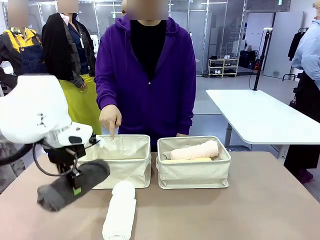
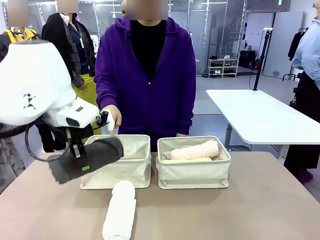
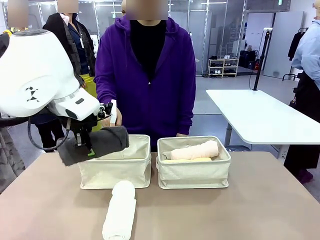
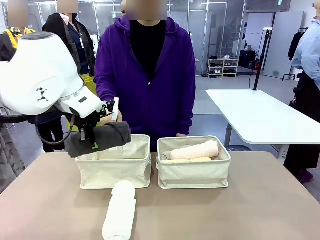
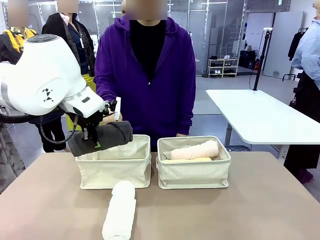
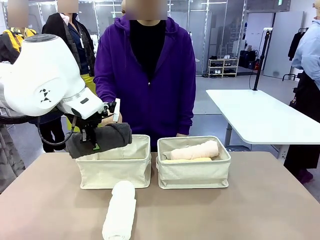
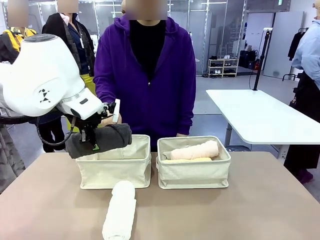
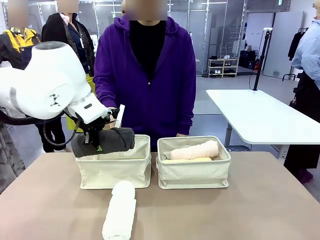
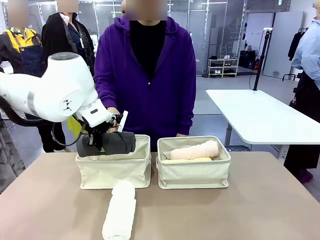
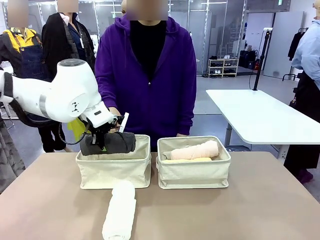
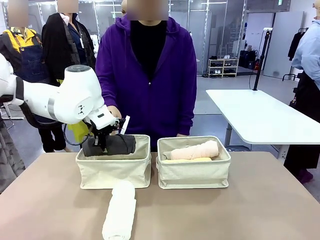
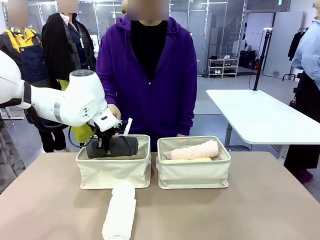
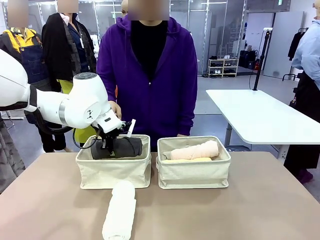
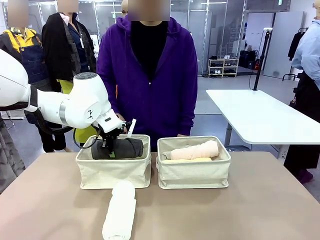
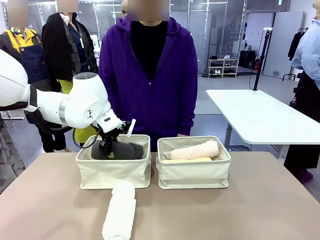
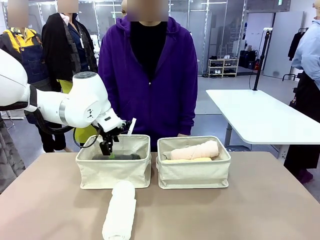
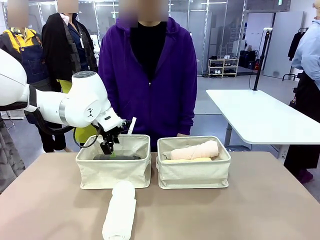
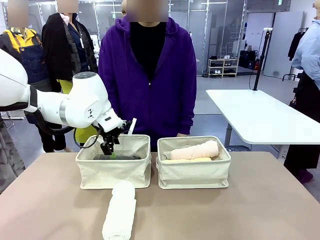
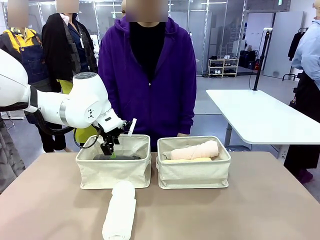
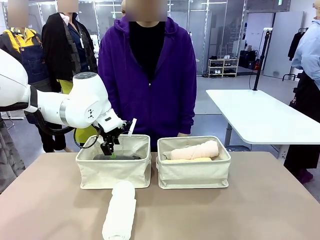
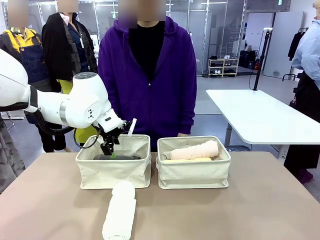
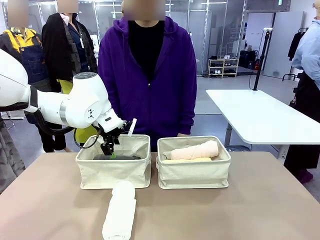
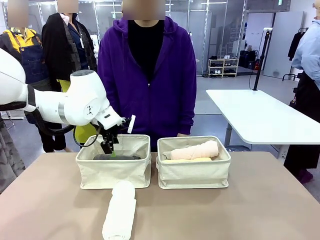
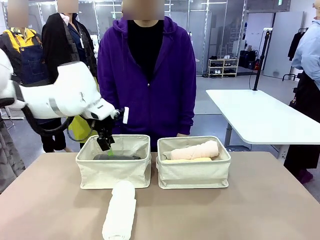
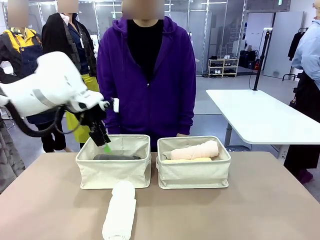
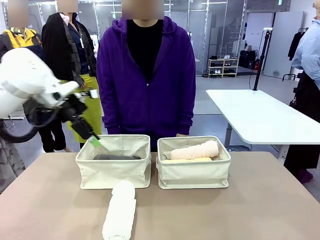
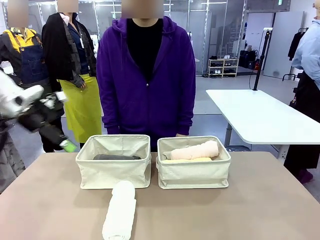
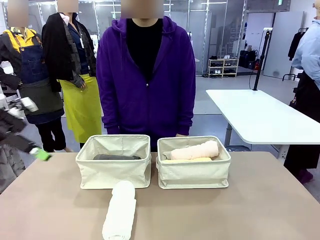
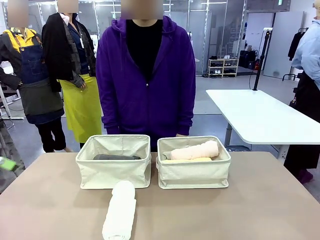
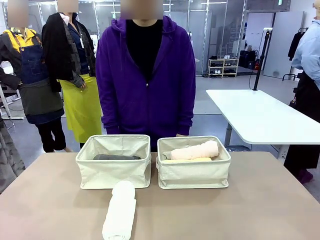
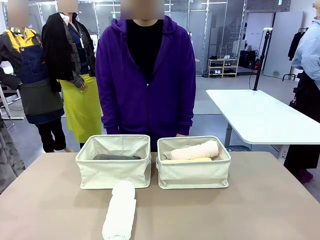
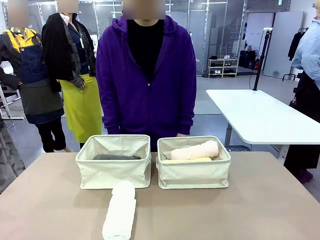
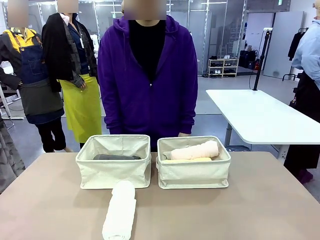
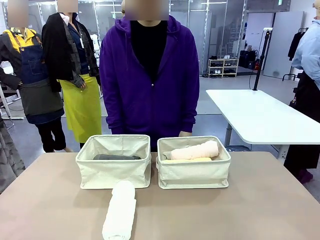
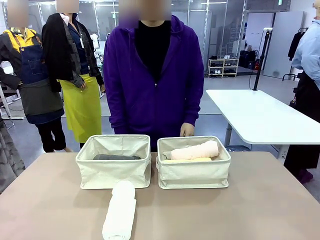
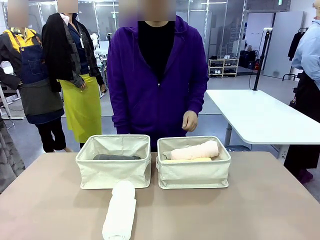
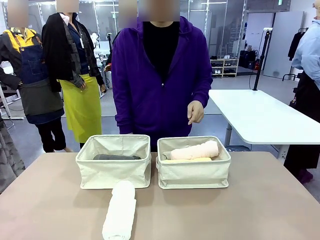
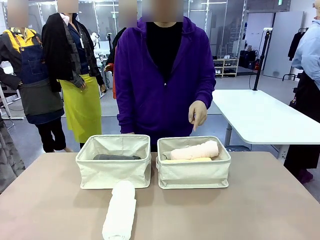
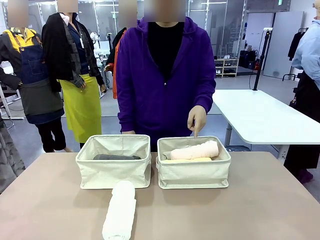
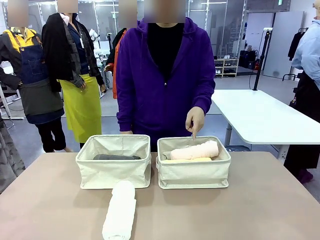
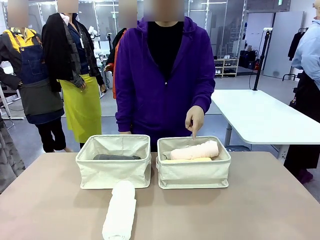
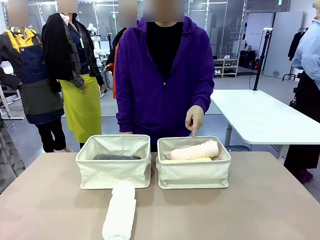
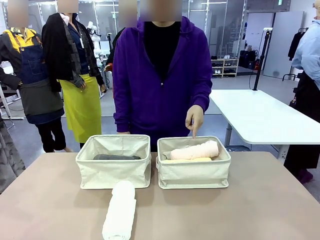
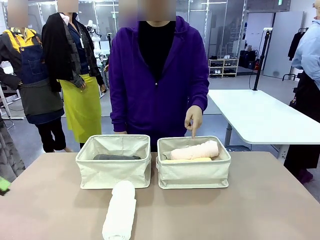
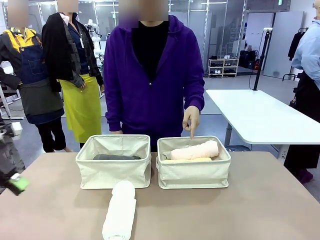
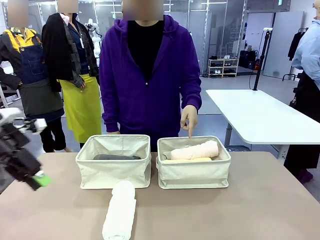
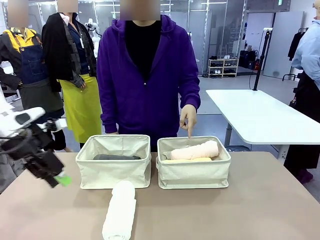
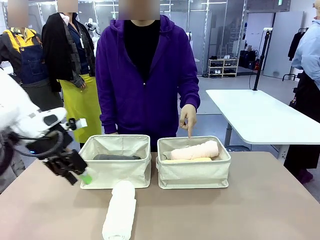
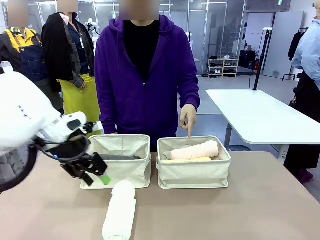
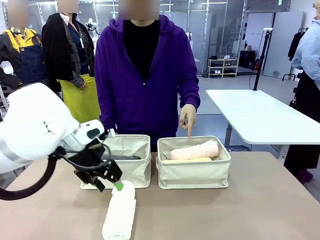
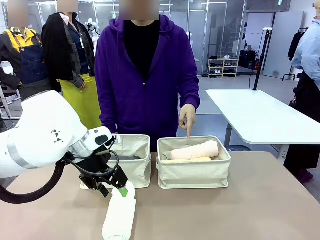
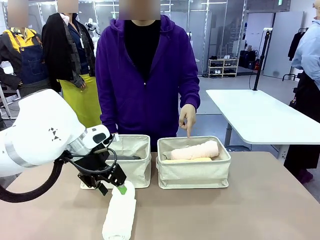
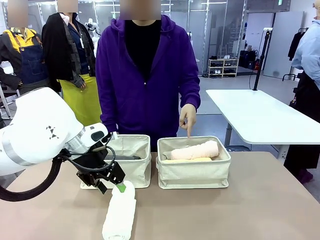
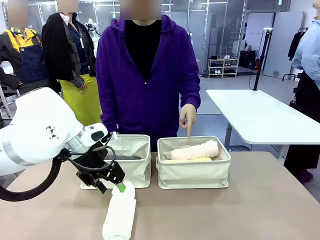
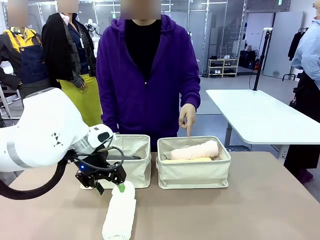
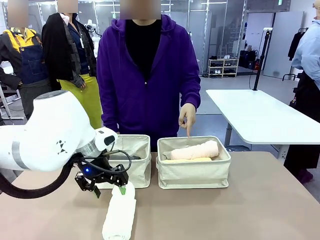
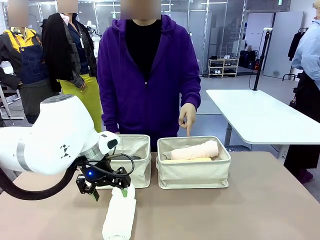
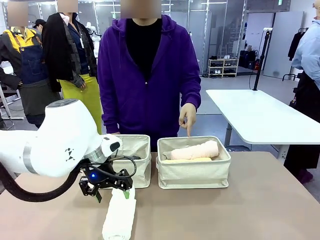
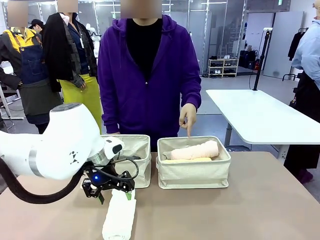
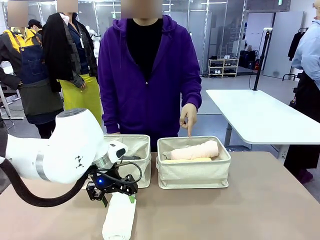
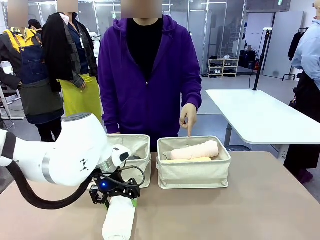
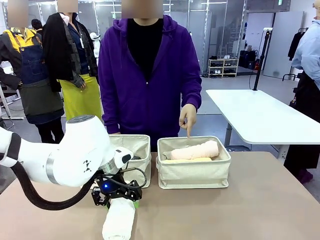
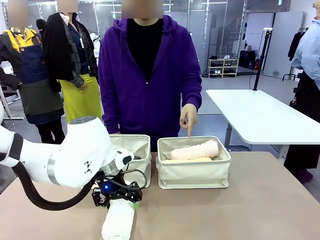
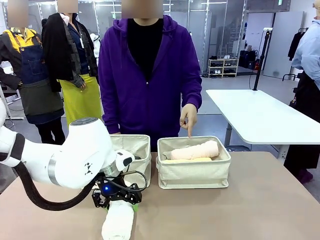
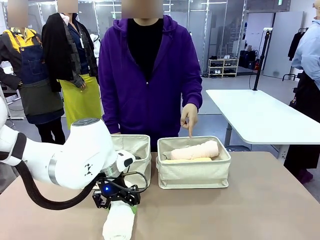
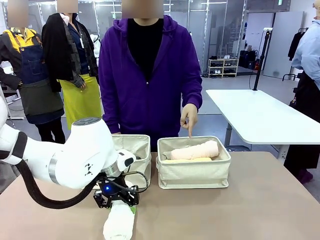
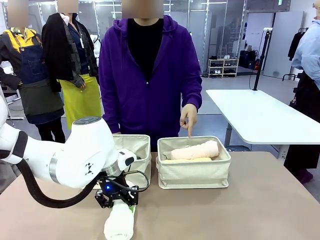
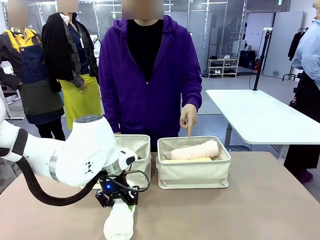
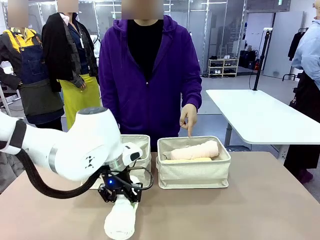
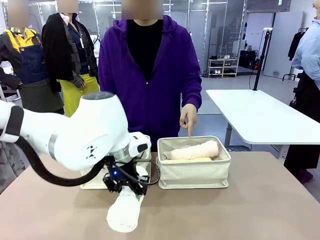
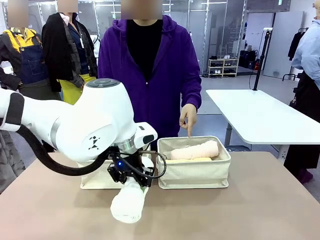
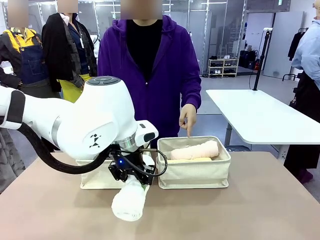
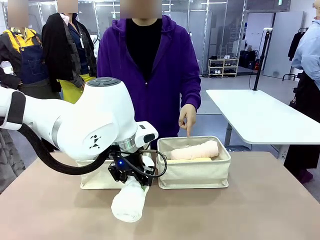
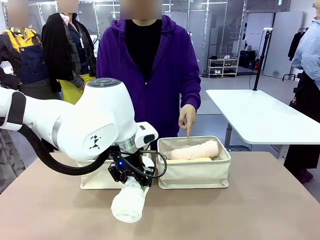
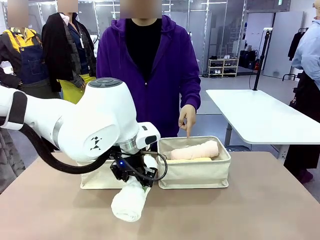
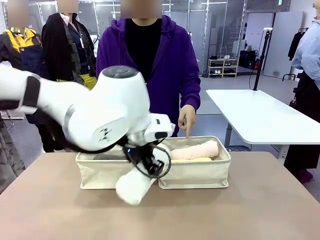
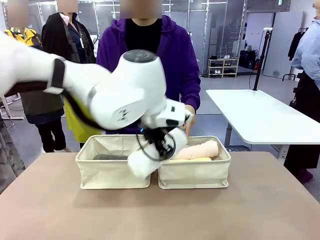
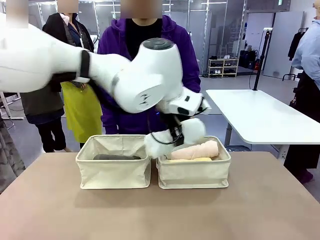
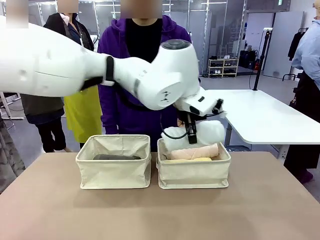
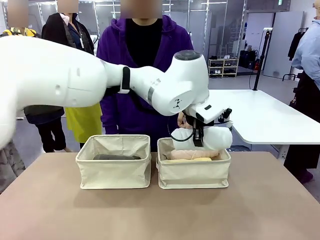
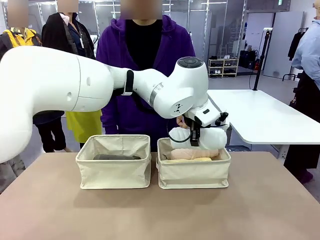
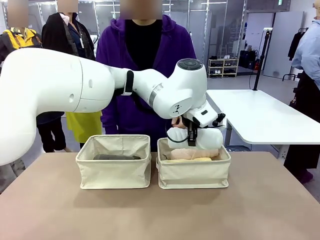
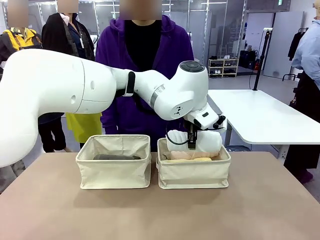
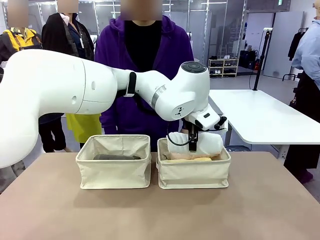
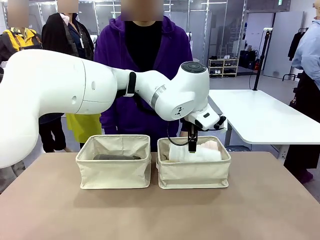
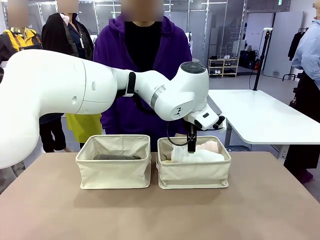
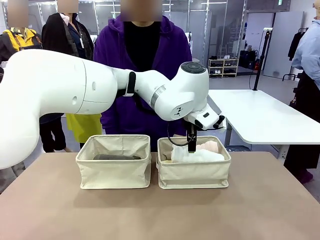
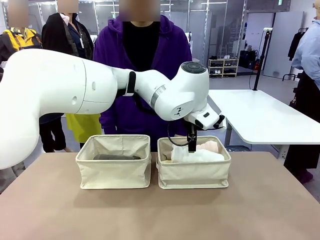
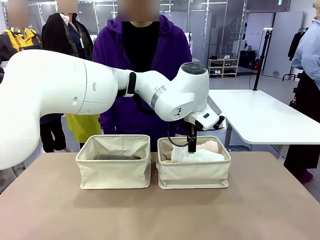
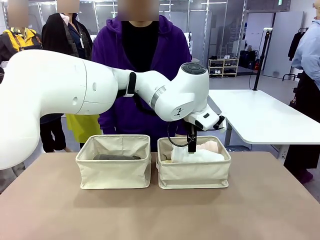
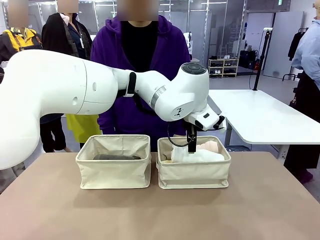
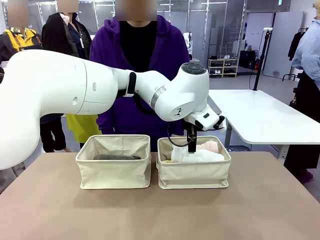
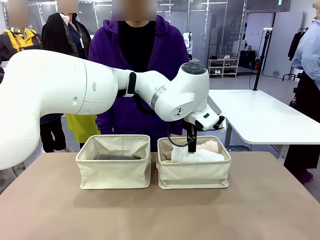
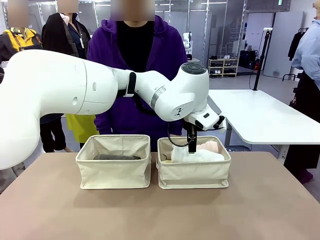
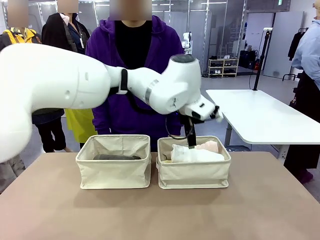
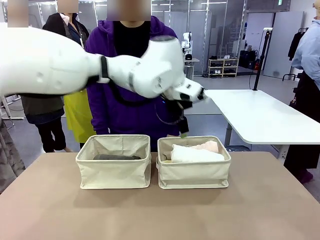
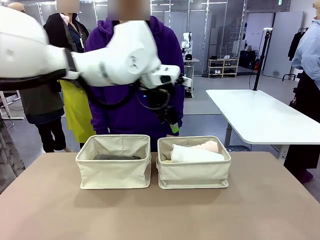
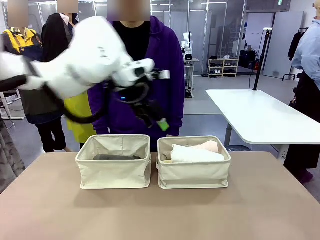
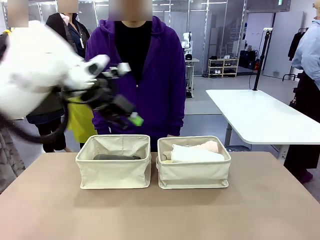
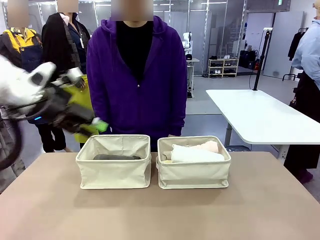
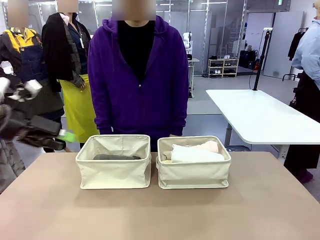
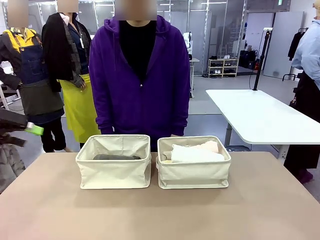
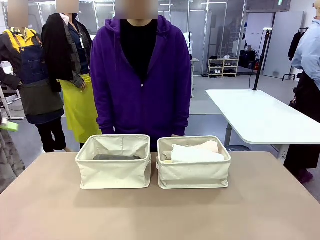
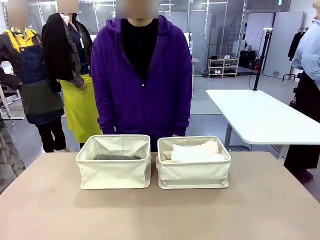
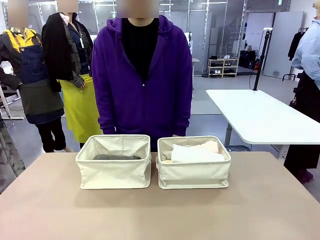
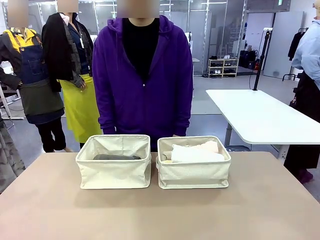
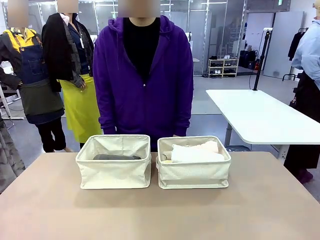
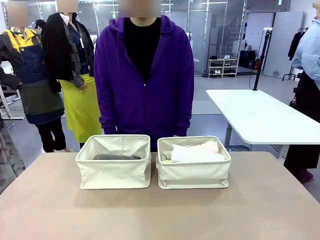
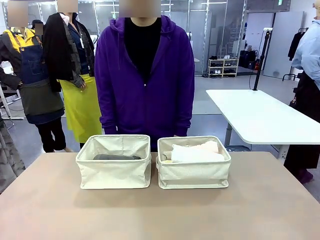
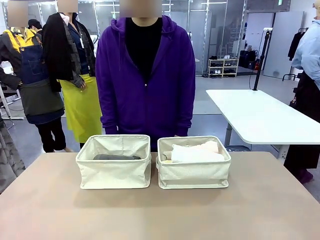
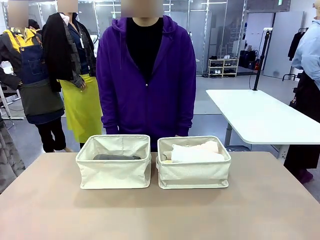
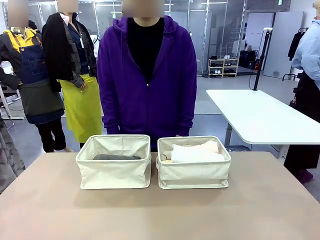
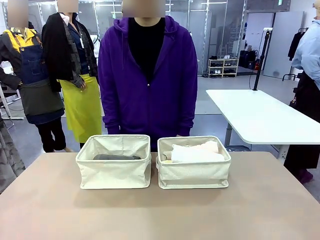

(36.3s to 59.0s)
Task: Divide the towels into two baskets.
Robot: Pick up one hotel-folded towel from the bottom of the table and place it in the Fabric basket indicated by the person.
